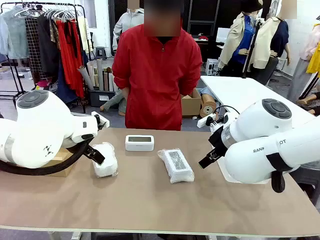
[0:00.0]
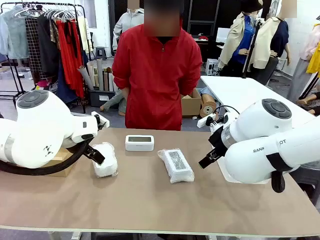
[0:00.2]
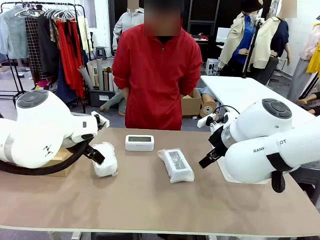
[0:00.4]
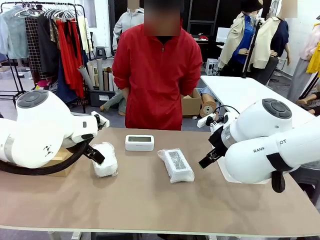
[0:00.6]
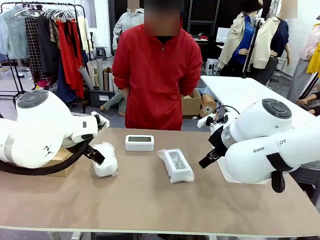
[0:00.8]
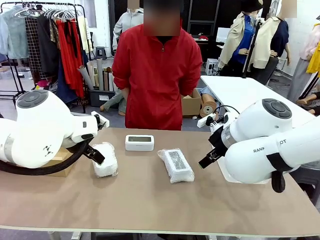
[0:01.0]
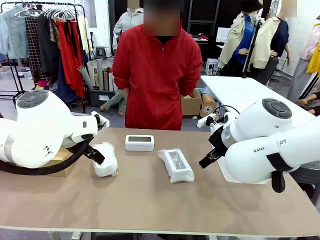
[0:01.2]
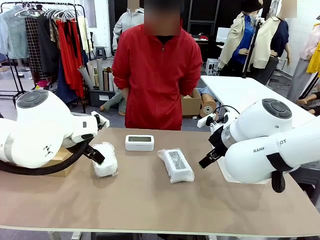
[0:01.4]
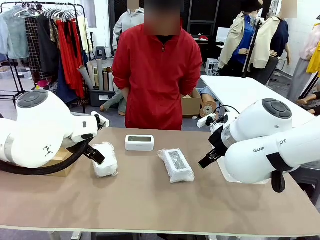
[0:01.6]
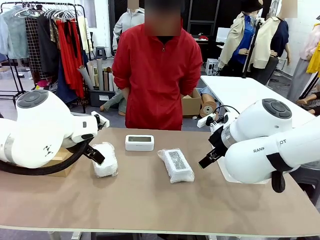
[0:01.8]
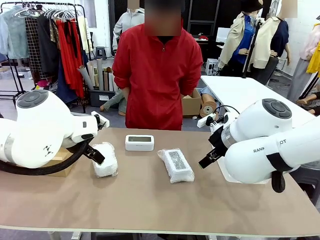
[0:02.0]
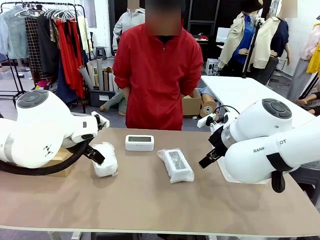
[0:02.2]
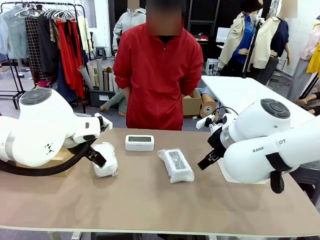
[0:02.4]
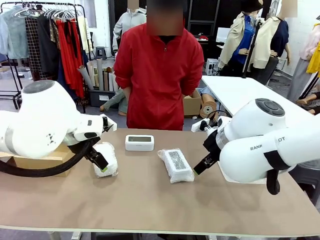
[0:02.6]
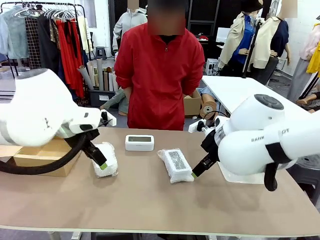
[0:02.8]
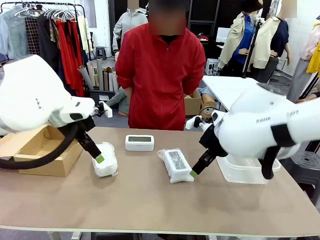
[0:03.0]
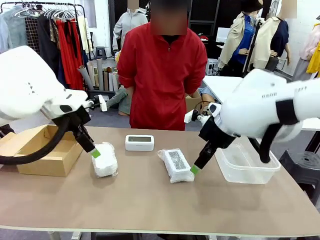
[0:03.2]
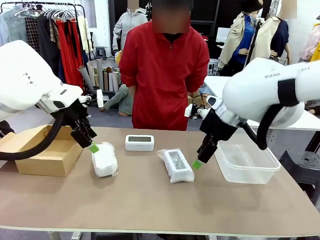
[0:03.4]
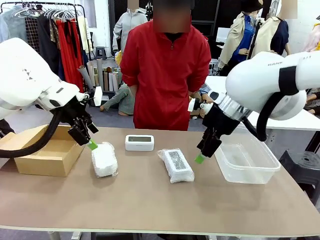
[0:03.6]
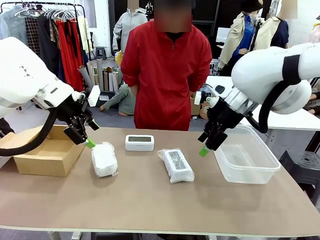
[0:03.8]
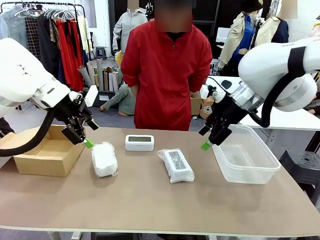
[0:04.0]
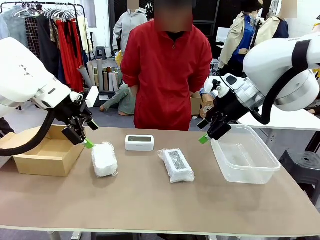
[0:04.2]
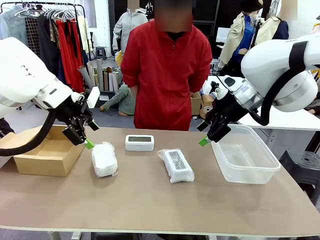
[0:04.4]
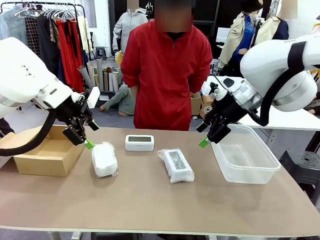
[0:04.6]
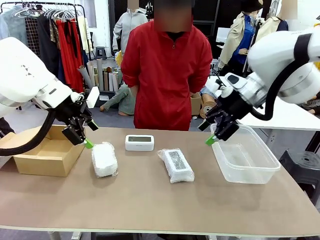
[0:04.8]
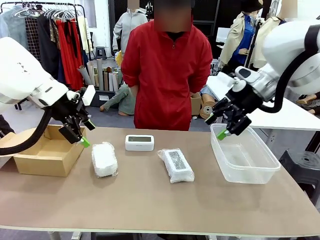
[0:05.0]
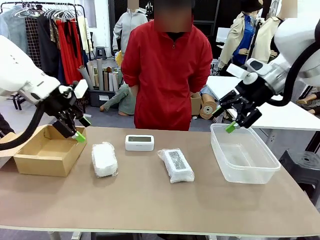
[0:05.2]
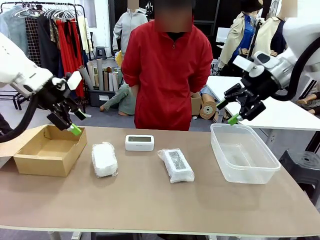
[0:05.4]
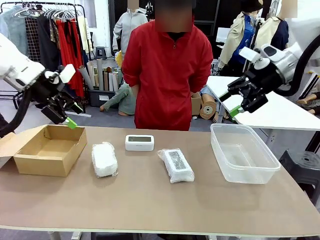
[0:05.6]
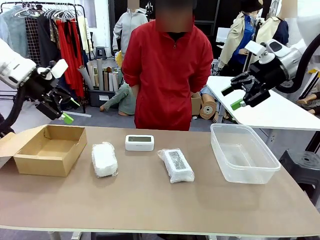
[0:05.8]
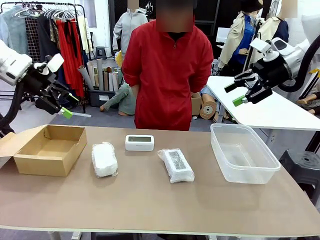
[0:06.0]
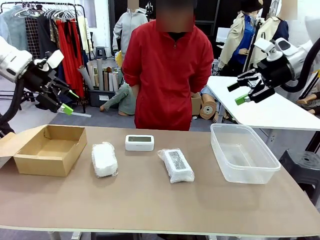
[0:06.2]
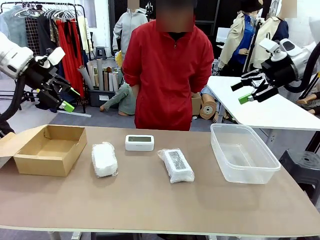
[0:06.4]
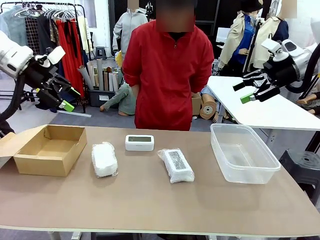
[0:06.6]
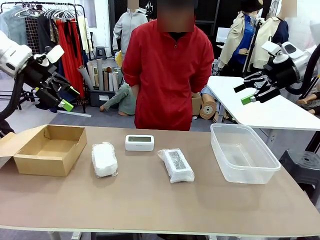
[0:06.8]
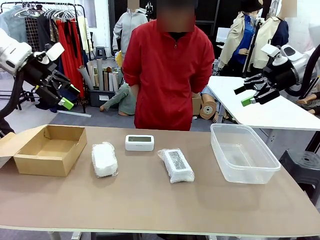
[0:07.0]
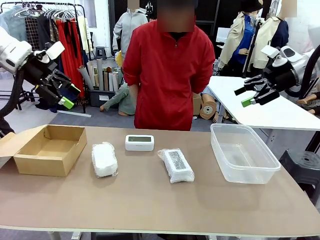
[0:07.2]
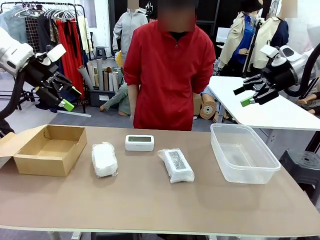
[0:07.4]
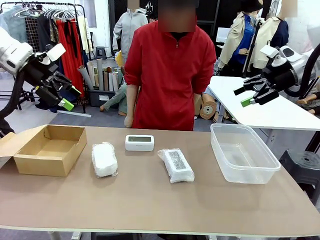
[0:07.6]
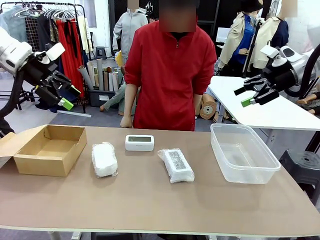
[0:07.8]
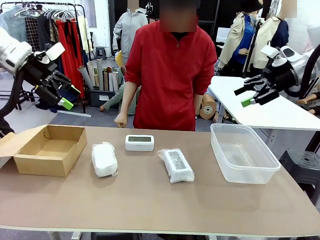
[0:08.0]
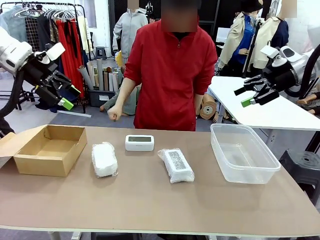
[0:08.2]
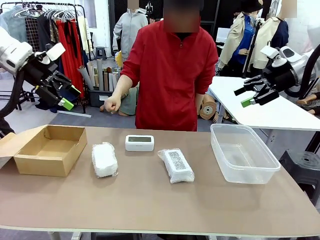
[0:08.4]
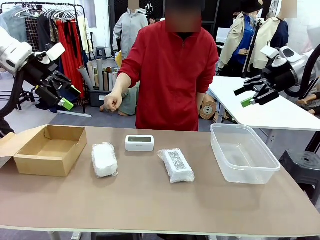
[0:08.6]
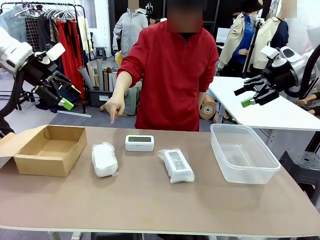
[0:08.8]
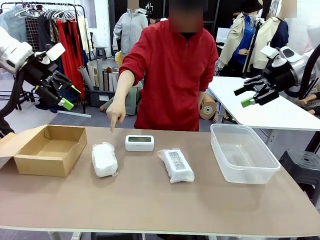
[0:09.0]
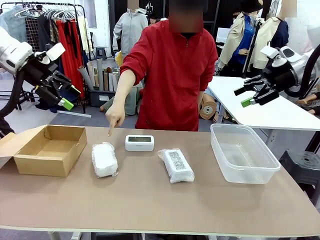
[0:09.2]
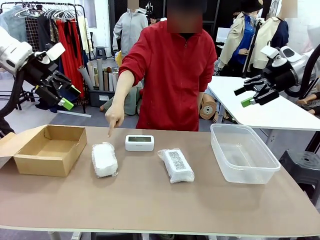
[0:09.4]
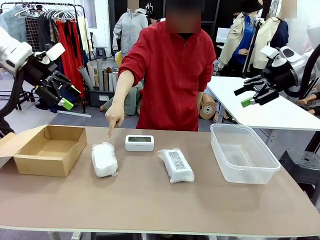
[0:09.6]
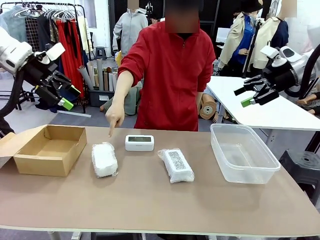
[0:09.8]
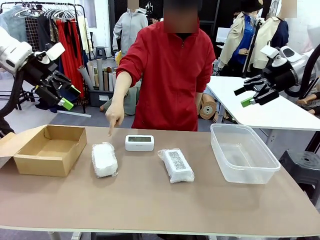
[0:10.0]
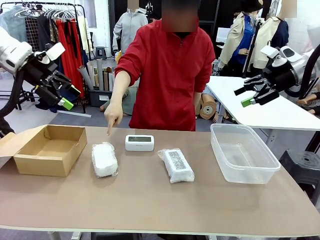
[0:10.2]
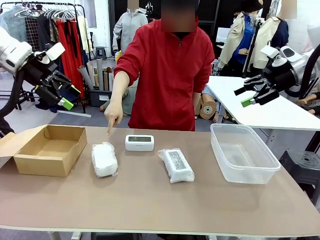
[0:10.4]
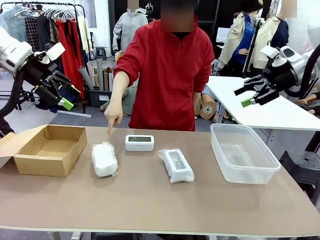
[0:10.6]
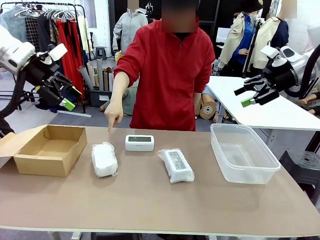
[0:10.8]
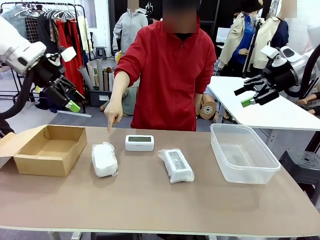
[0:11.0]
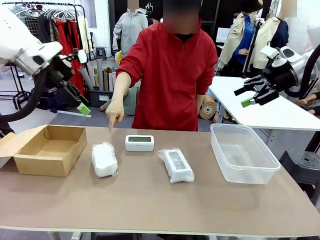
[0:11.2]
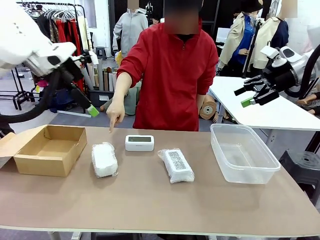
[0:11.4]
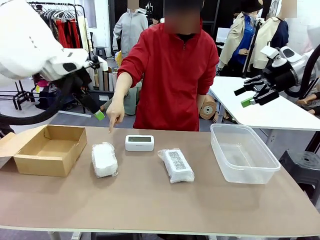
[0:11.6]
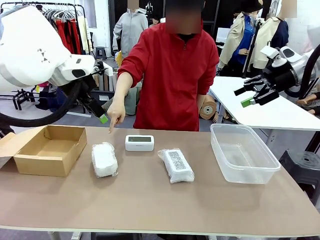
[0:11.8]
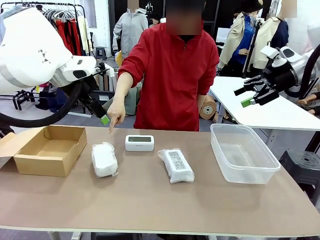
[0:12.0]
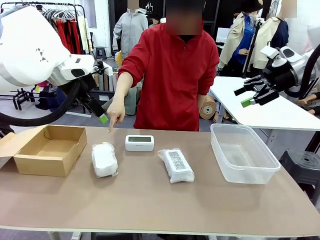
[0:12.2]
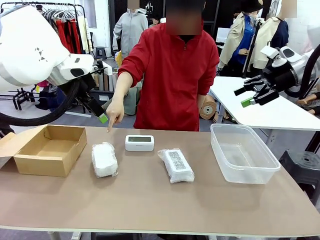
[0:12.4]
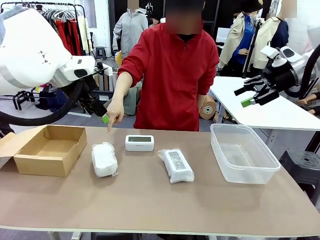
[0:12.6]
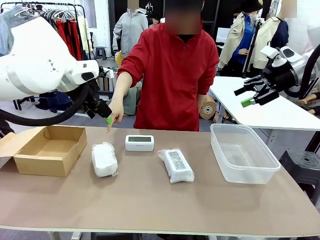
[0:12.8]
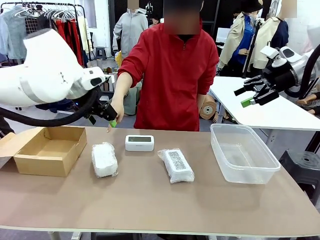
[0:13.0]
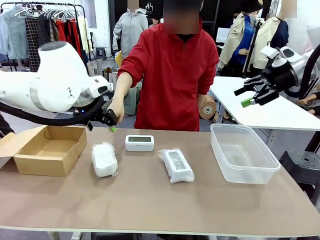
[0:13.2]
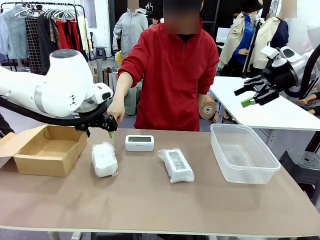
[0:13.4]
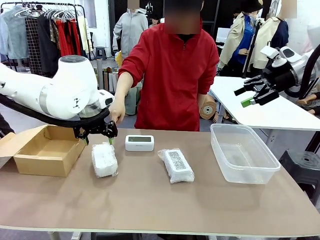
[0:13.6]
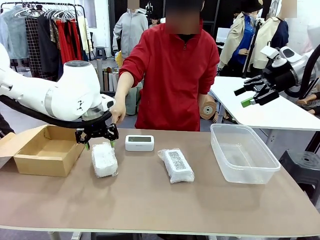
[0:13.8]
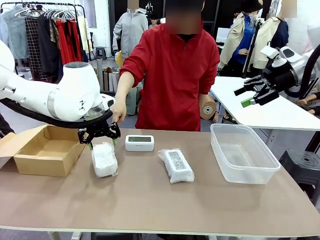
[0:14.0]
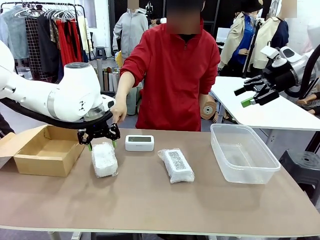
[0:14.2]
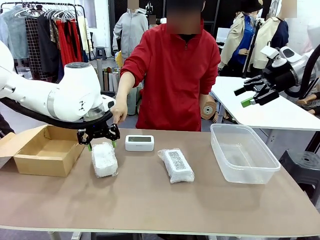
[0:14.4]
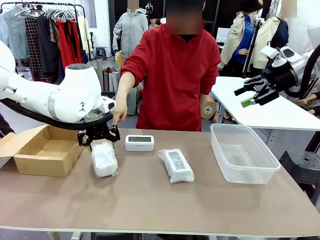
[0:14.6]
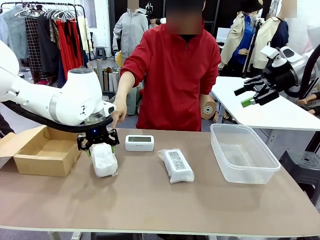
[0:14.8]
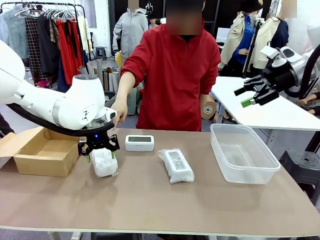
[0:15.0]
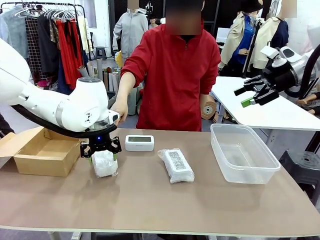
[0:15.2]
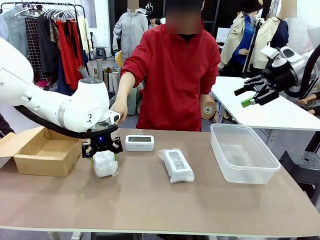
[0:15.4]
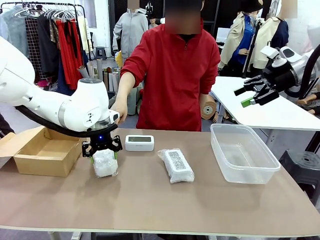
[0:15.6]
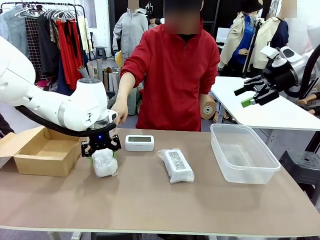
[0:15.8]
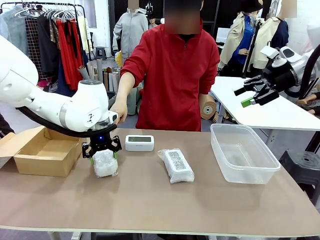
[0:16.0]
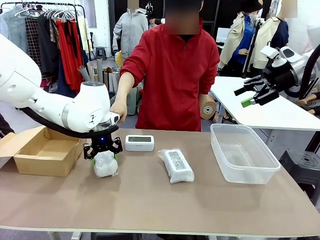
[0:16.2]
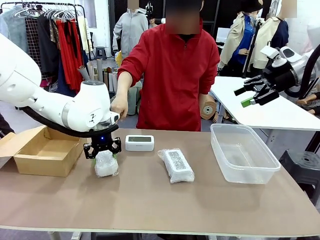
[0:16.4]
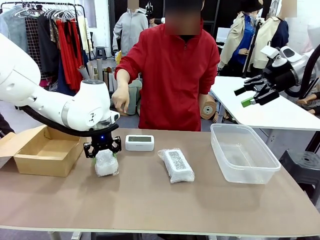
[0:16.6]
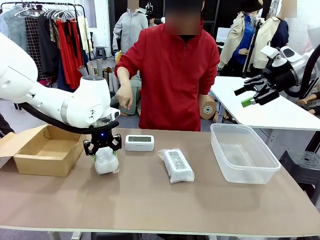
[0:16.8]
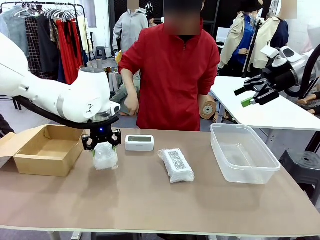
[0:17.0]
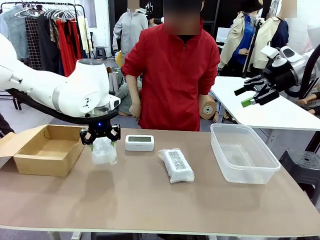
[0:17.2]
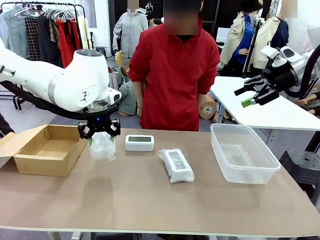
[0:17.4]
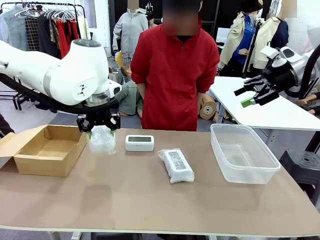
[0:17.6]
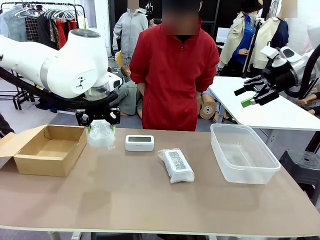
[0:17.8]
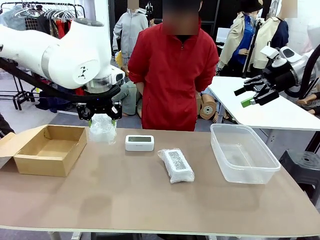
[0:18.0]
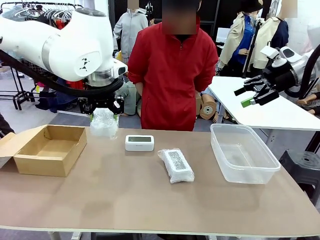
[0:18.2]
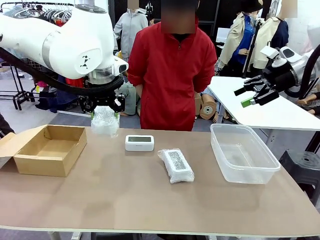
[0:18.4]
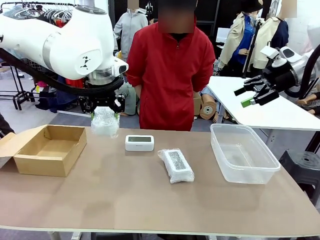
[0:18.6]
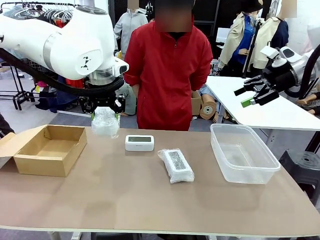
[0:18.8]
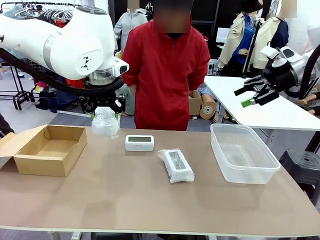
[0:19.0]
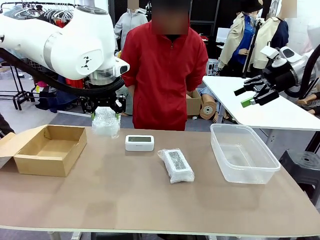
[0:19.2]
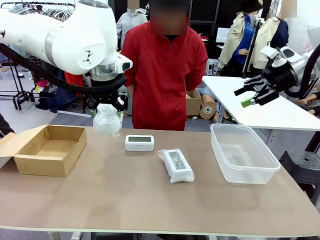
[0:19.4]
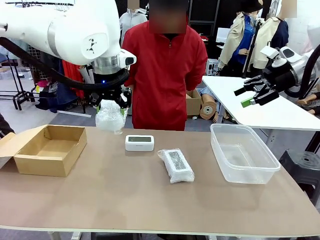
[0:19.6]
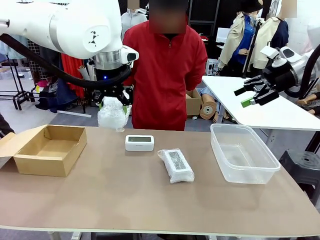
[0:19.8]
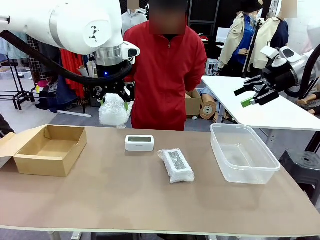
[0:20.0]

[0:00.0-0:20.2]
Task: Separate and place wrapped and unwrapped clocks.
Robot: Pick up the Digital clock indicated by the person.
